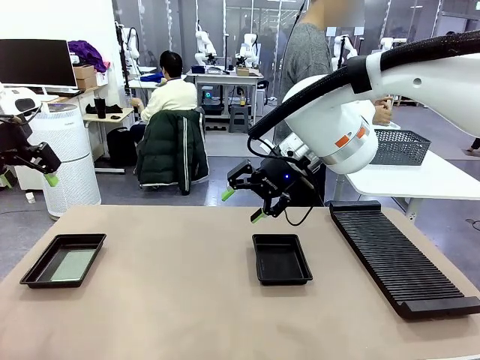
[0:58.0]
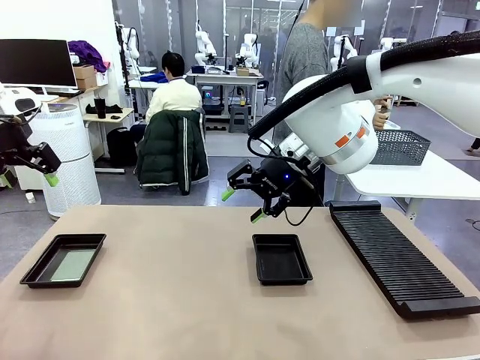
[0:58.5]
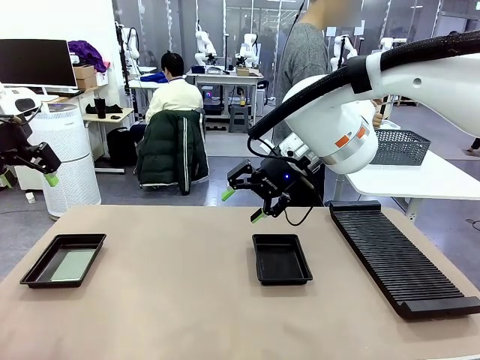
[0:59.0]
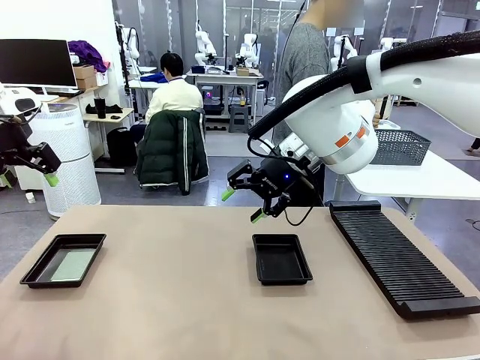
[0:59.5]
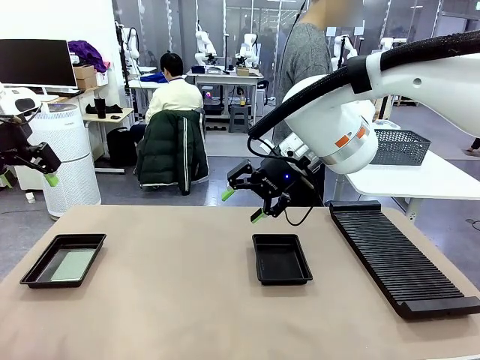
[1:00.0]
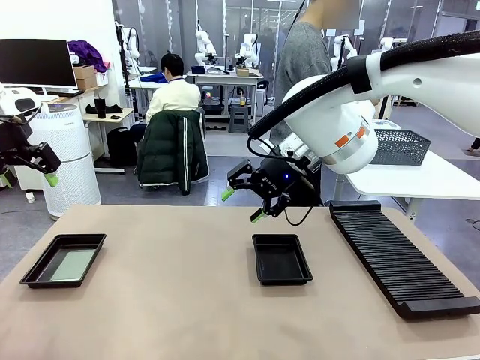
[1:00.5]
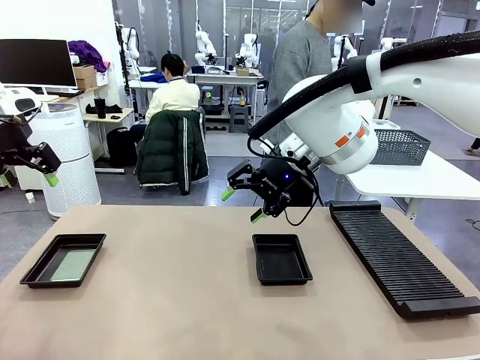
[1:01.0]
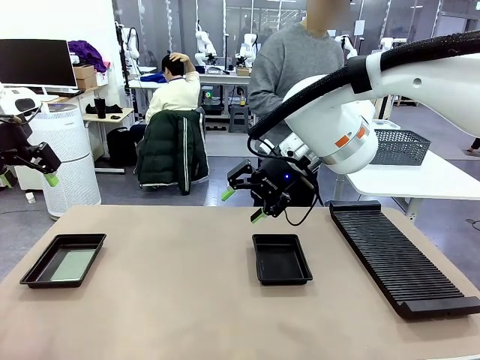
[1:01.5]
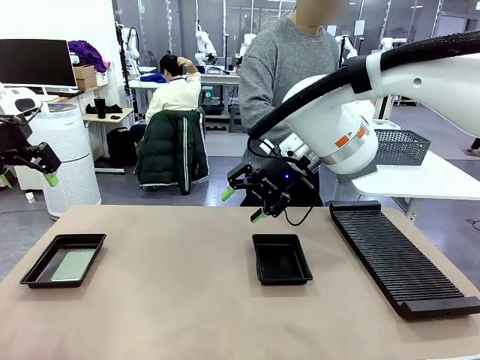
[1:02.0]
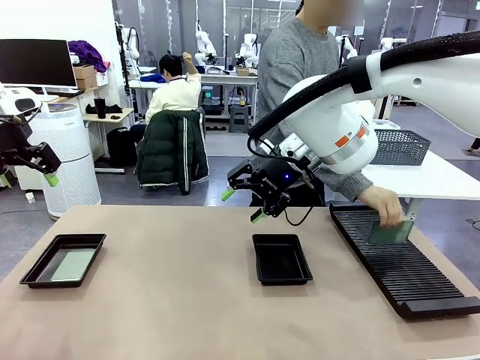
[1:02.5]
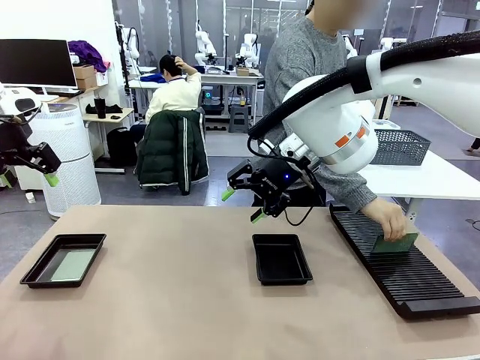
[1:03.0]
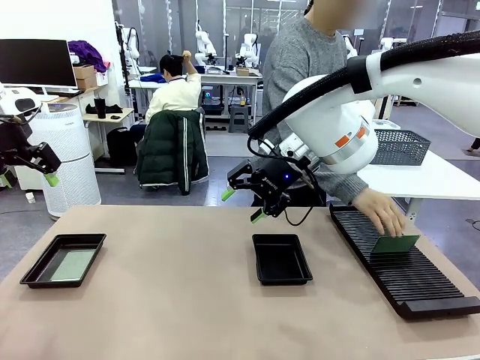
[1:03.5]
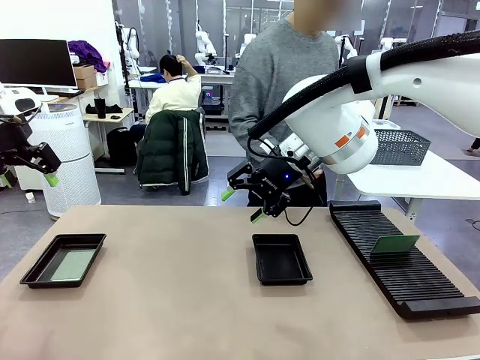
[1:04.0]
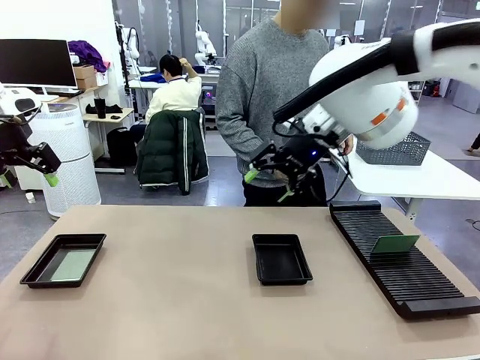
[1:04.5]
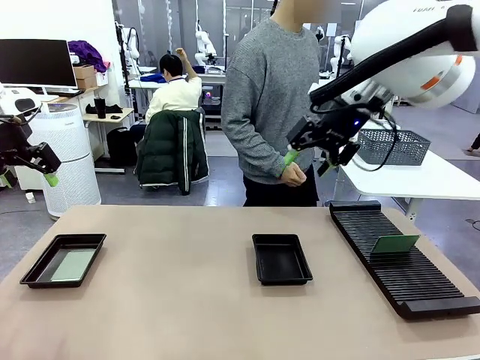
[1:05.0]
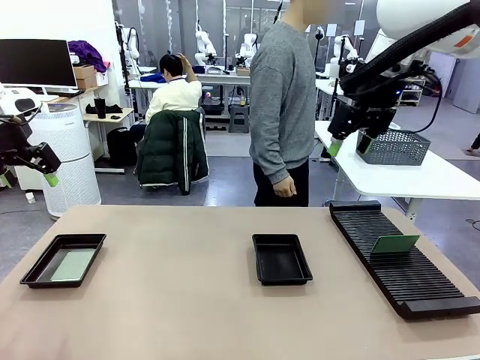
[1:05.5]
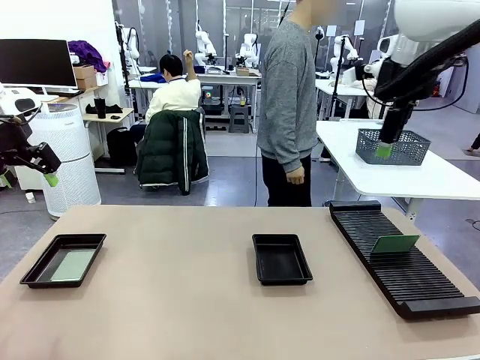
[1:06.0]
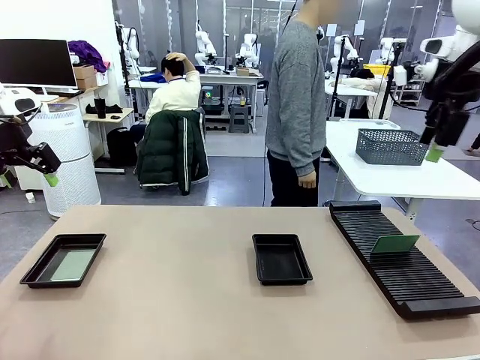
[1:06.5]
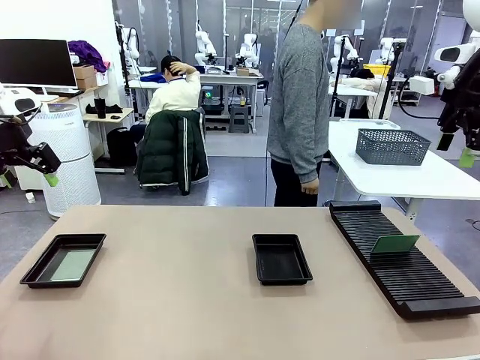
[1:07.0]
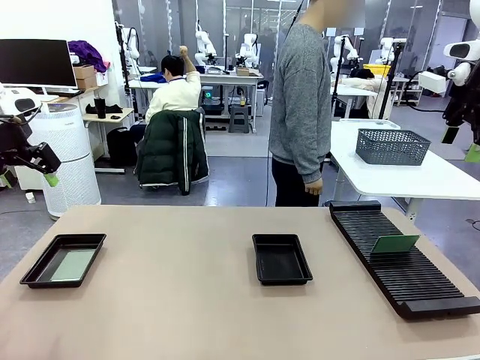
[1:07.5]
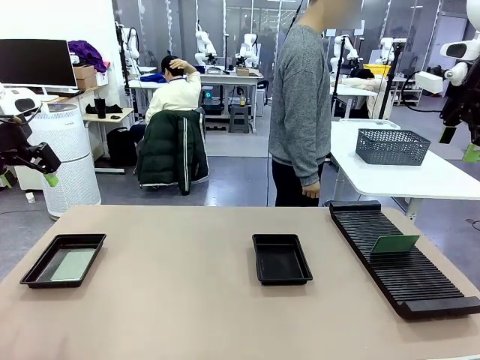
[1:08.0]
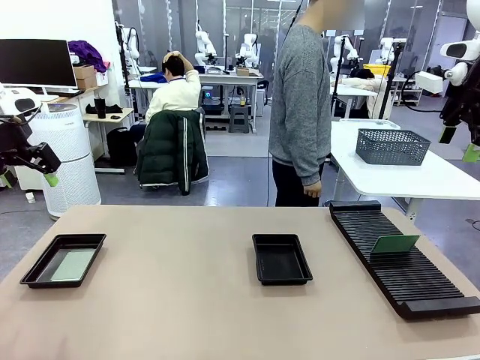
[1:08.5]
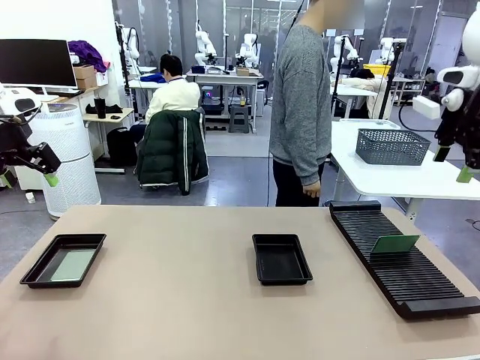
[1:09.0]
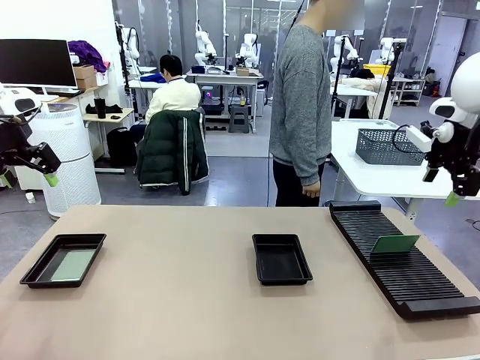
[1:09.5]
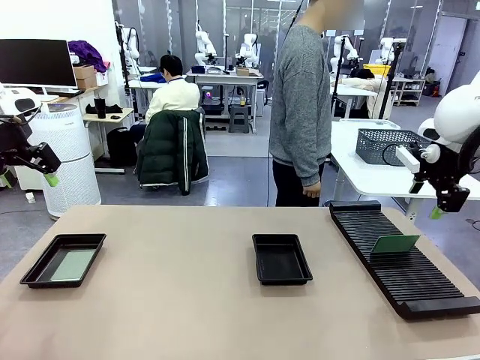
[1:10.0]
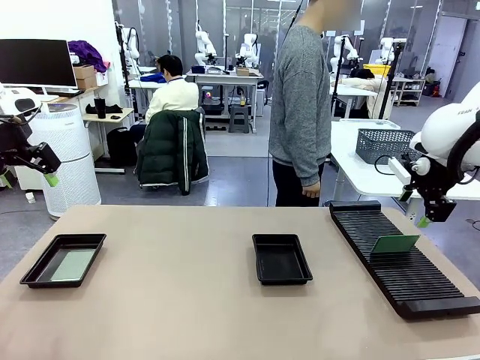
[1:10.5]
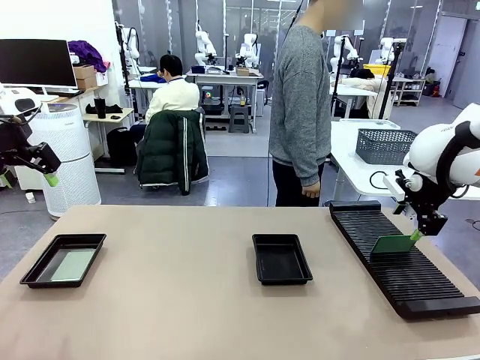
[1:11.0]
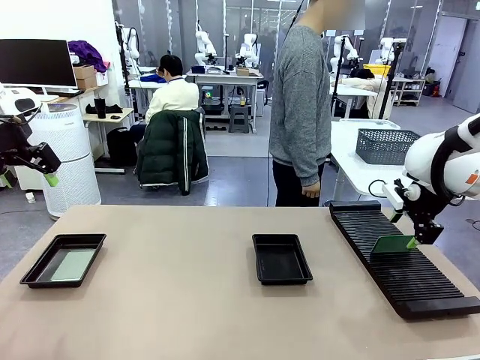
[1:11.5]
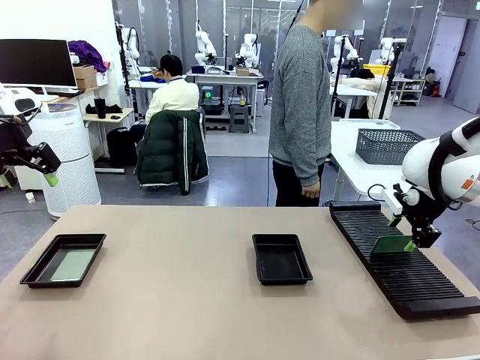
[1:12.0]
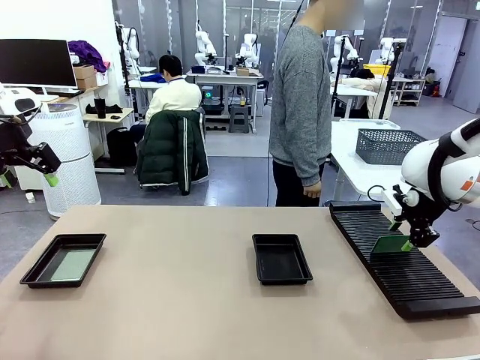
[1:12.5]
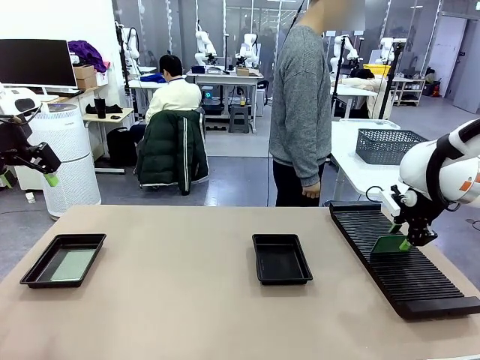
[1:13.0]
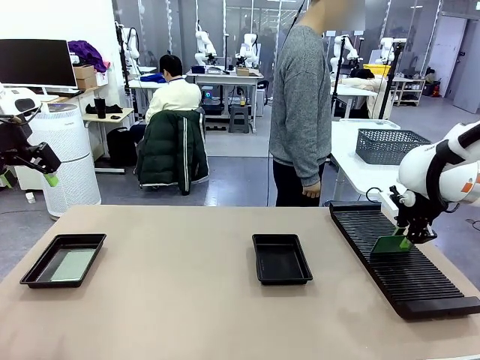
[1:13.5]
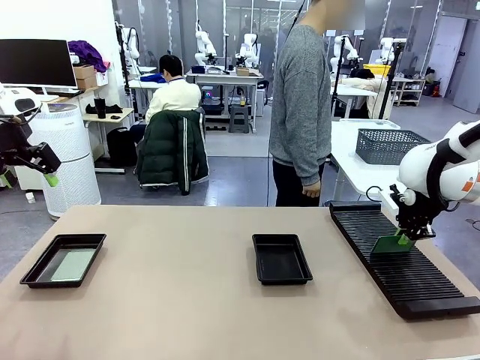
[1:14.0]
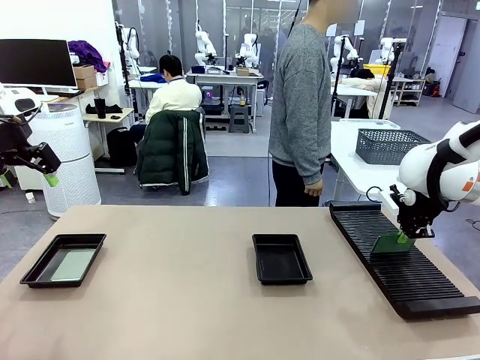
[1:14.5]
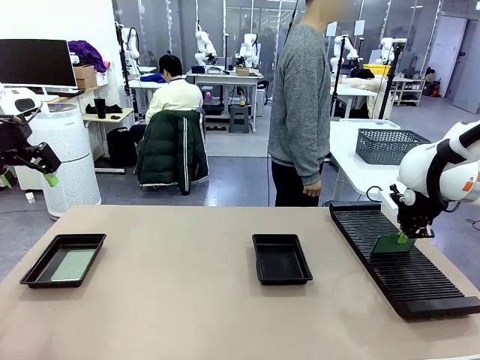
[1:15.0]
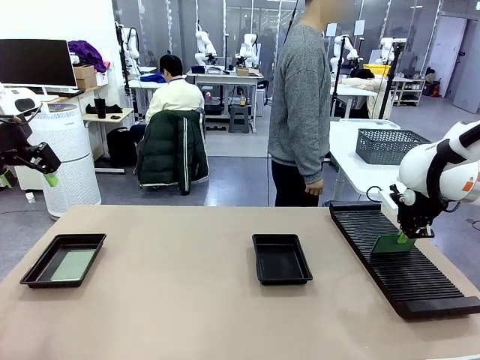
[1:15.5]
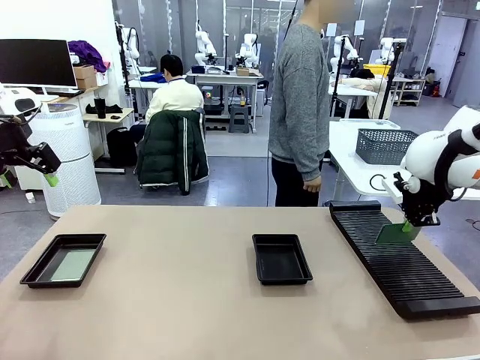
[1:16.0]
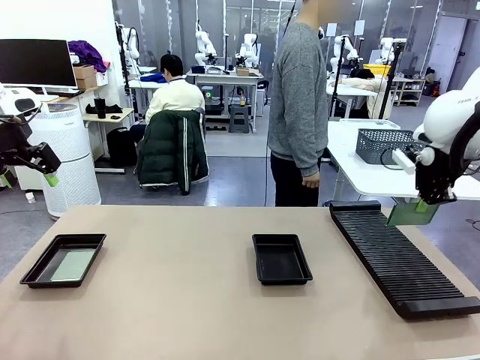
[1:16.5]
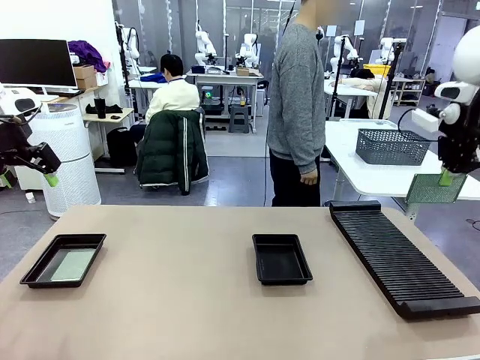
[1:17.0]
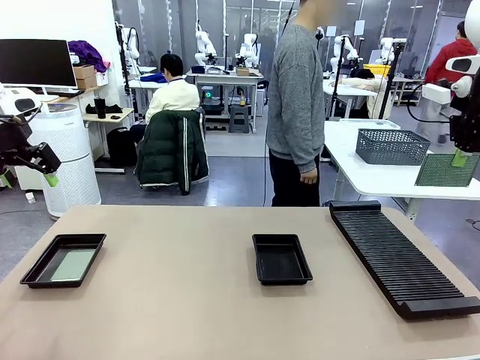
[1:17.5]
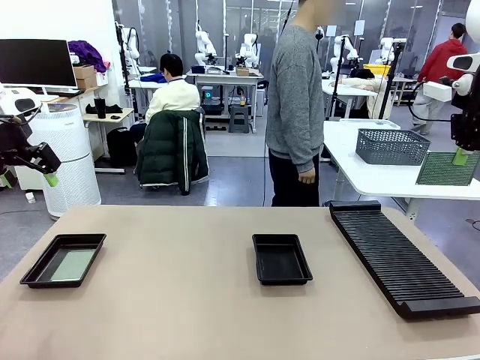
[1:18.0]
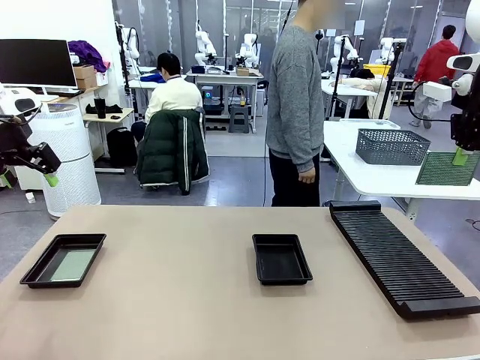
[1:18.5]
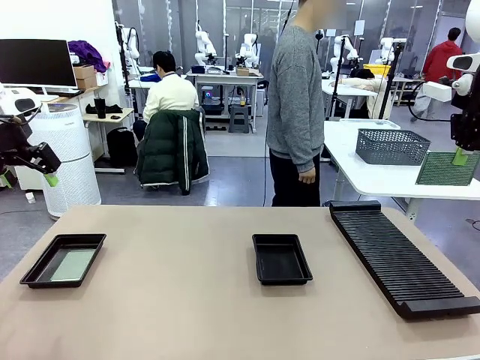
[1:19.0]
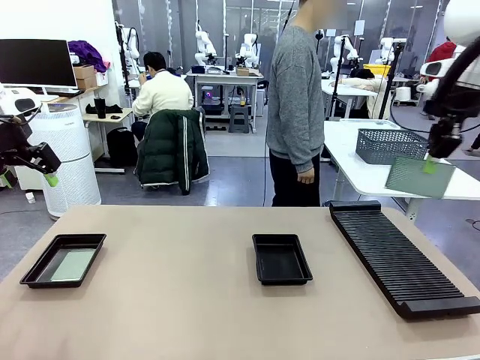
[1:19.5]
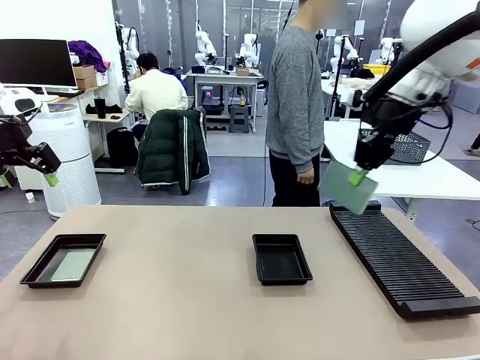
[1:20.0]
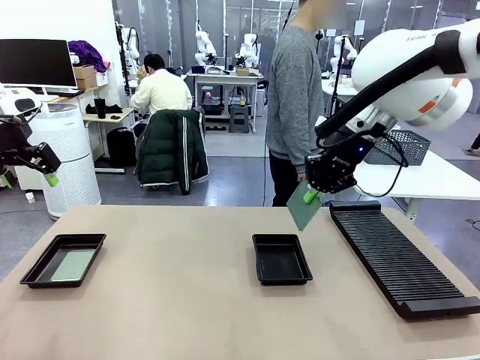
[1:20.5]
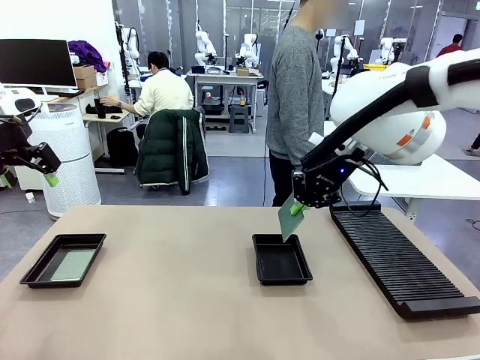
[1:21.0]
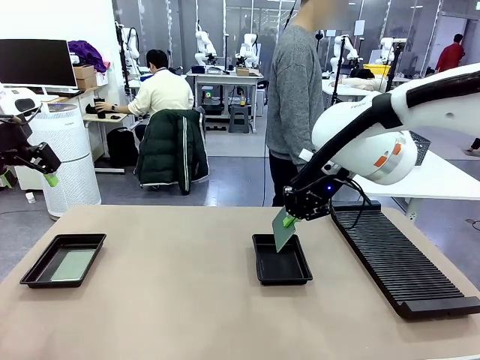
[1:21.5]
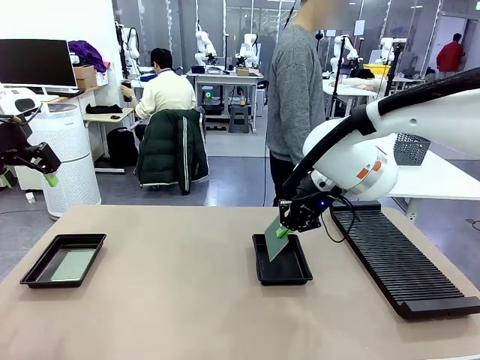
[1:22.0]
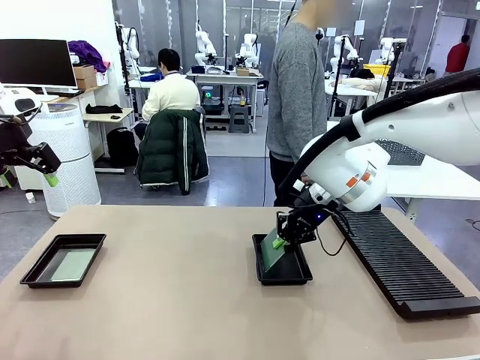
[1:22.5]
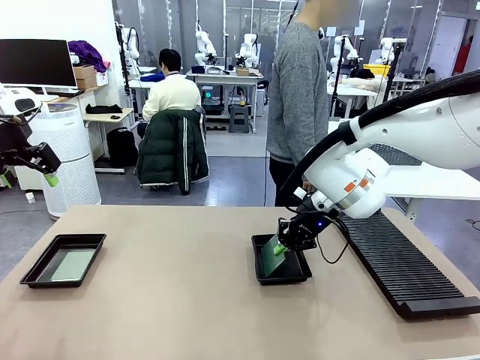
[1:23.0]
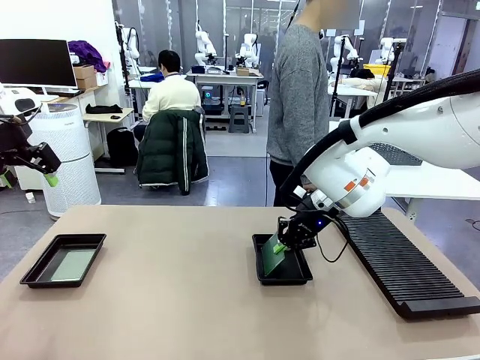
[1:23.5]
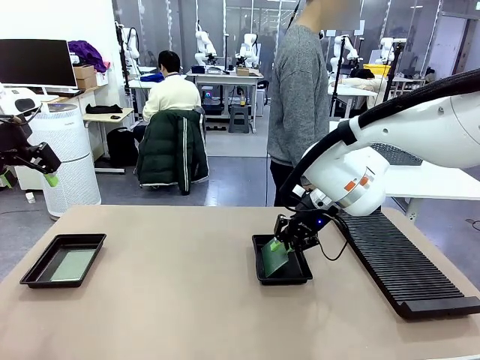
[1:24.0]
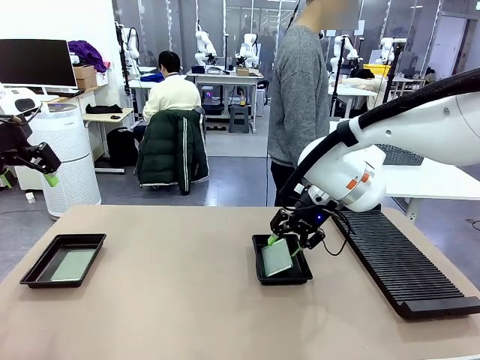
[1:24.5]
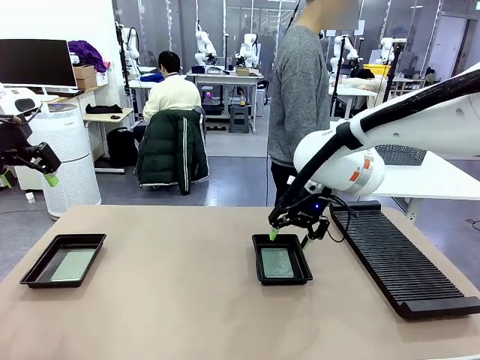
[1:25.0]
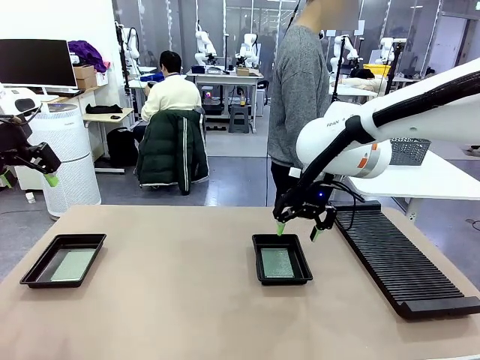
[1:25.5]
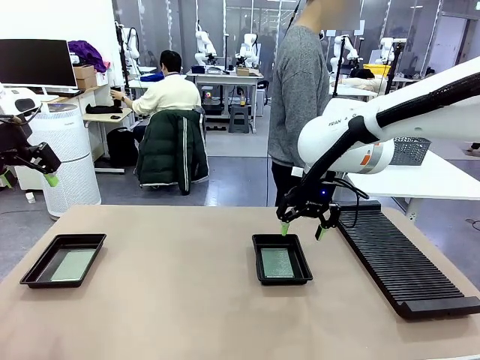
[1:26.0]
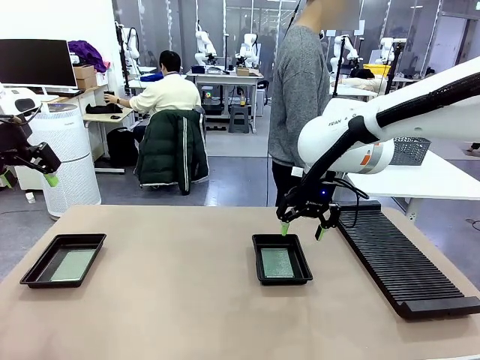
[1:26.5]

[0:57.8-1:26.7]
Task: Inspect and transfer BCBs to ESD trays.
Robot: Pick up the Blank PCB from the PCB Rack and place it in the right ESD tray.
